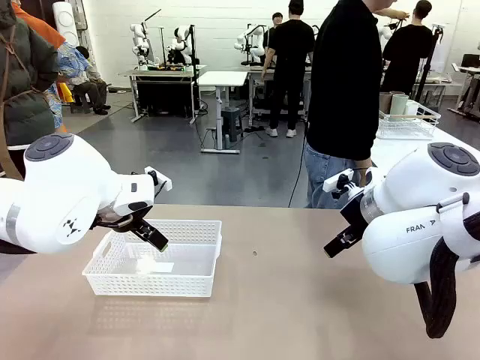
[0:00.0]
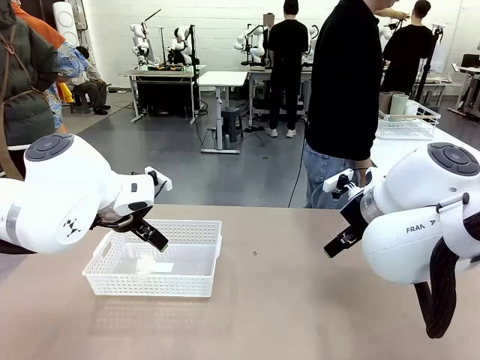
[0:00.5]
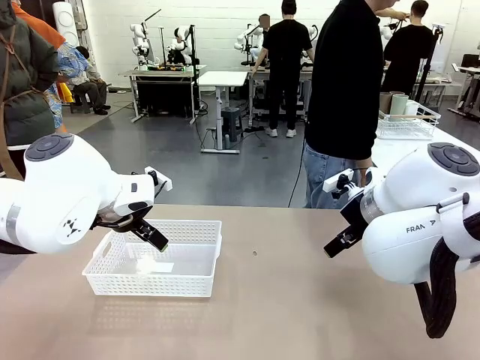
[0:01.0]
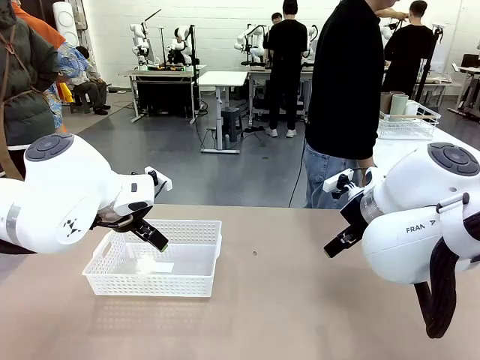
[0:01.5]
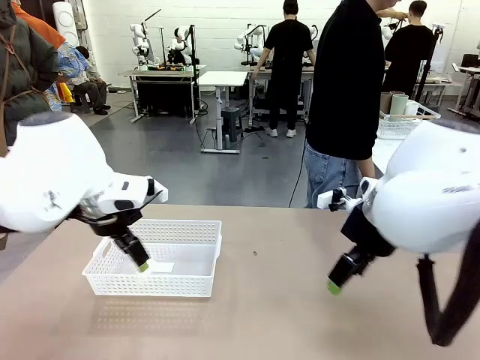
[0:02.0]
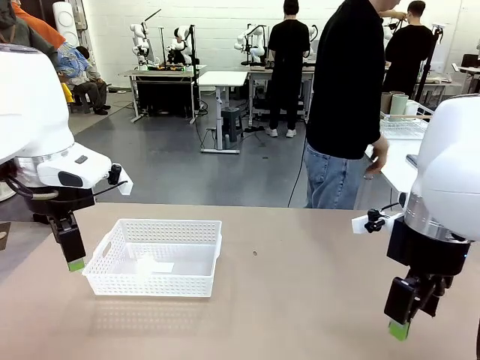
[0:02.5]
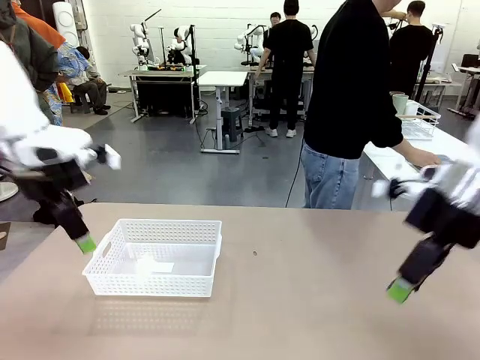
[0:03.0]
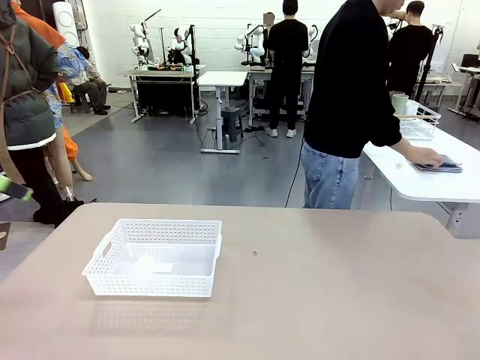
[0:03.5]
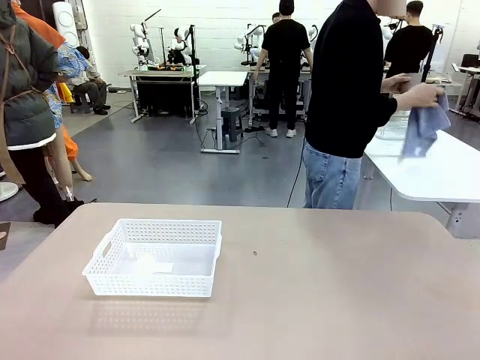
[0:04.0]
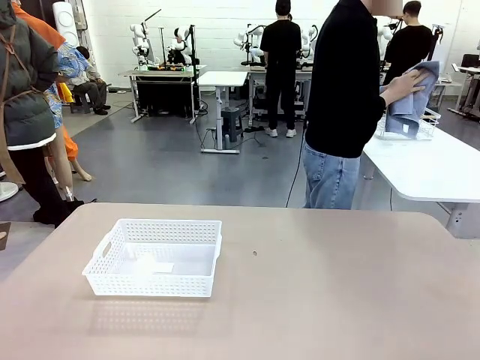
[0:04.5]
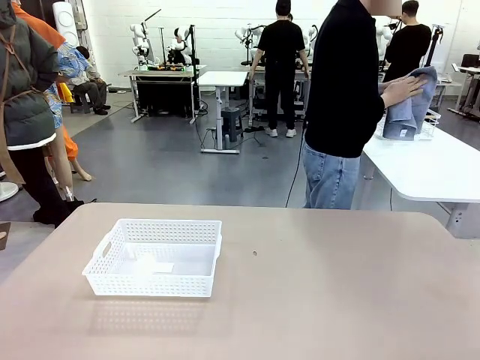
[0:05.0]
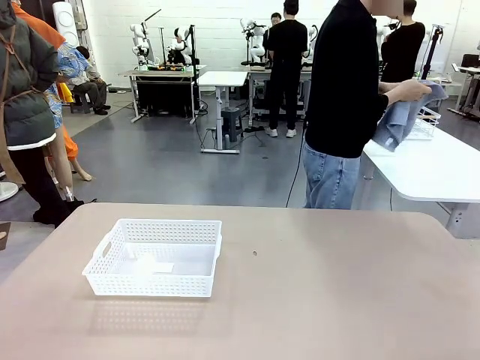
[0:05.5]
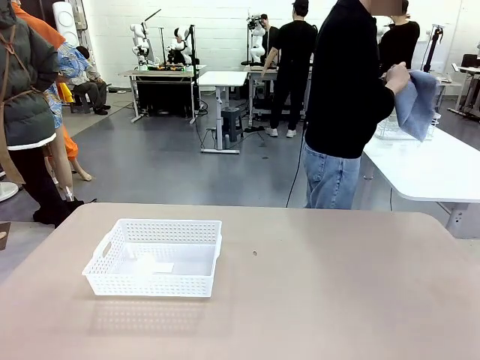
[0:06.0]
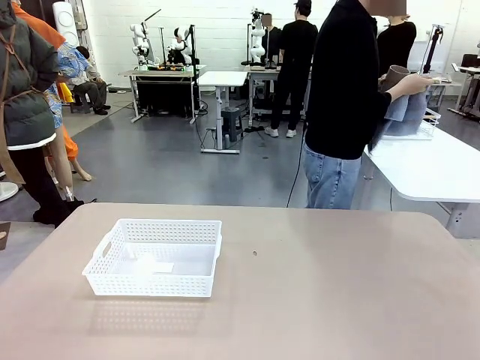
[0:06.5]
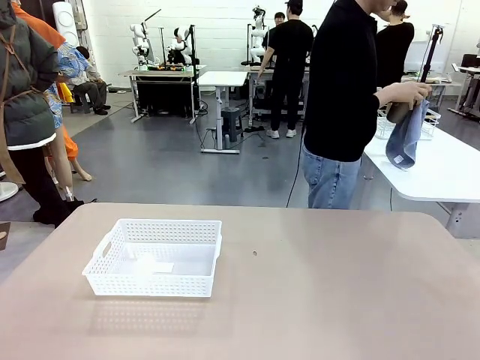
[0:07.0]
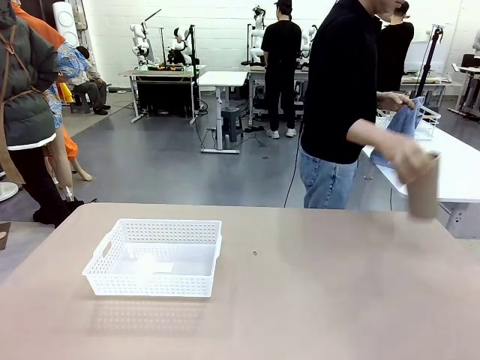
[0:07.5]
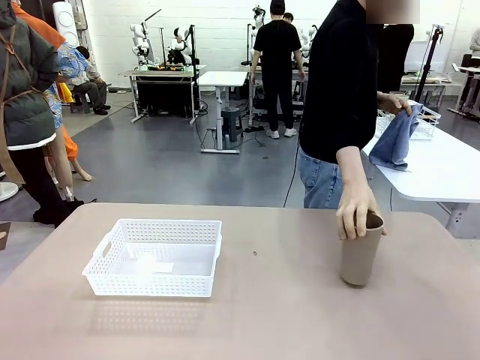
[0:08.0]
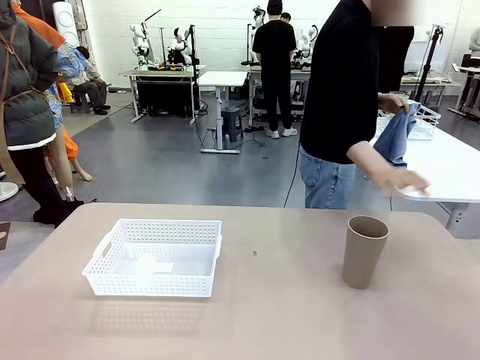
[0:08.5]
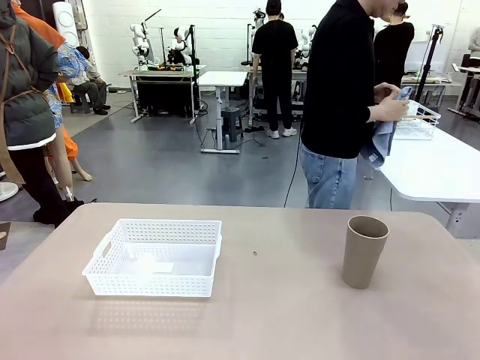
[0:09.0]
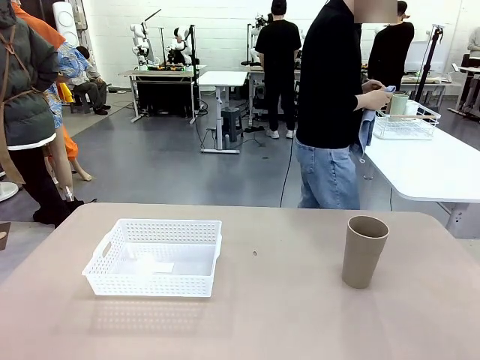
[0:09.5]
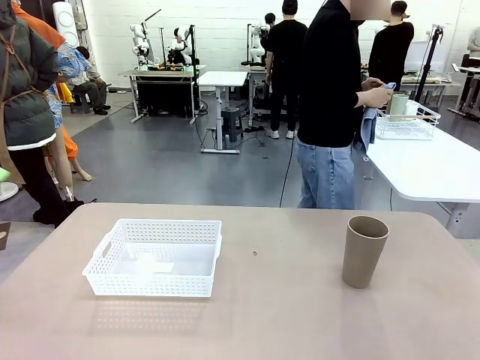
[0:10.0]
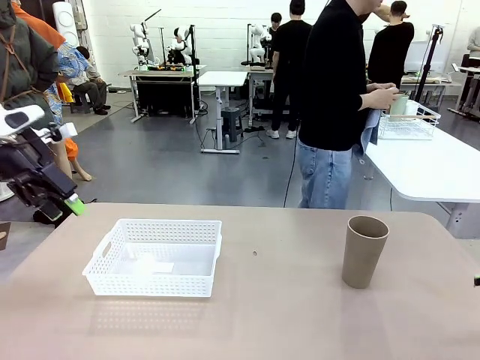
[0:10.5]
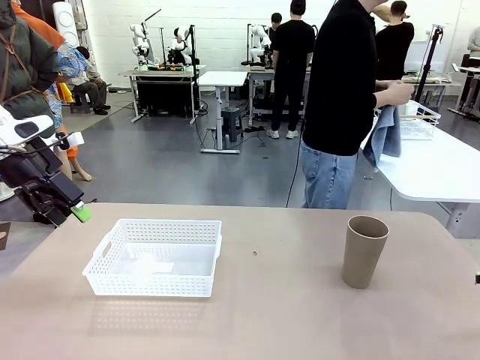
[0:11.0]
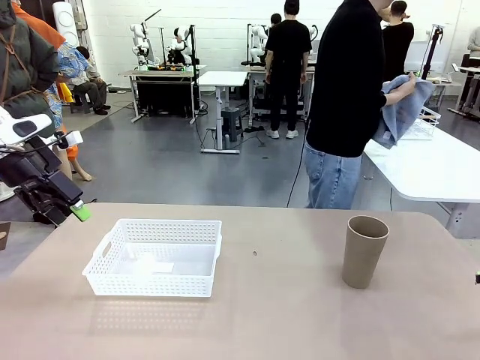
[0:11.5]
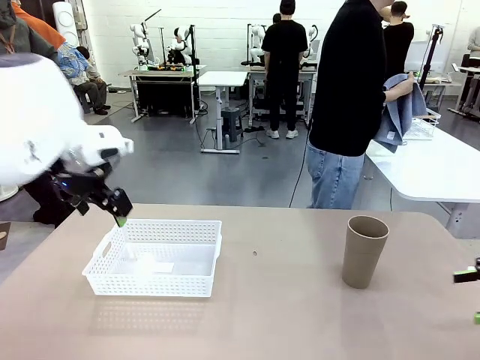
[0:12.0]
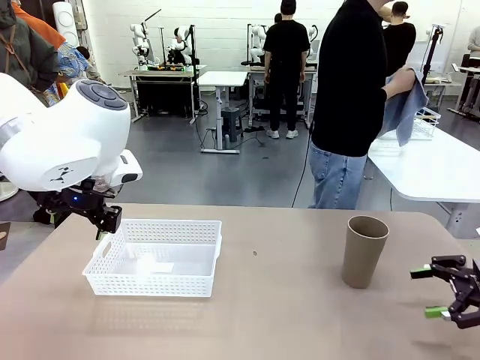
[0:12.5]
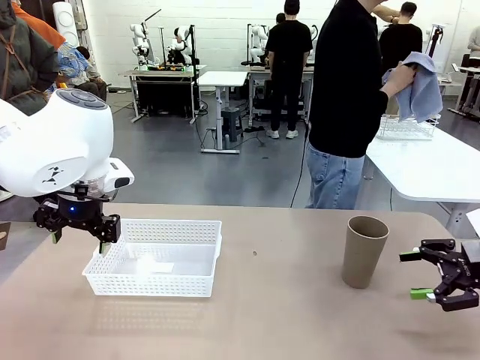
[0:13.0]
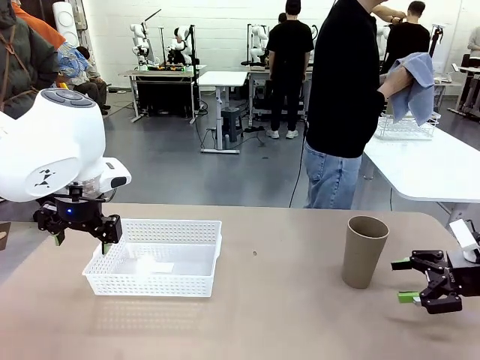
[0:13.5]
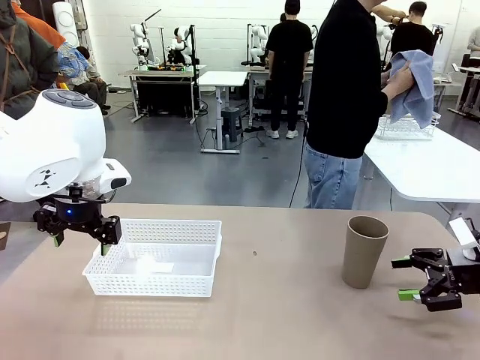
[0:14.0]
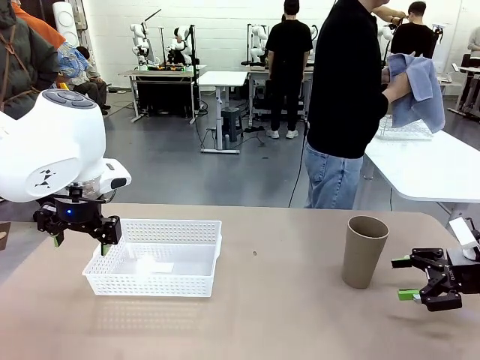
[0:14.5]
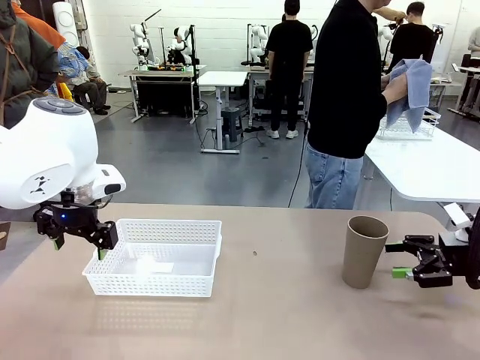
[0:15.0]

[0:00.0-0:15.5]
Task: Clean and organize the cups into the basket.
Robot: Pick up the Organizing basket and move it to the center of the table, then pick up the Reusable plastic cup from the right side of the table and place it inside the Organizing basket.
Person: Picks up a cup and a towel, cleans the cup with the towel, and places it on the left side of the robot table.
